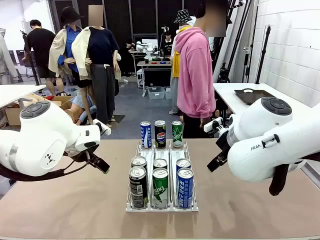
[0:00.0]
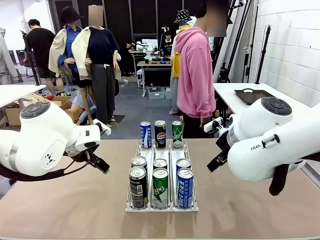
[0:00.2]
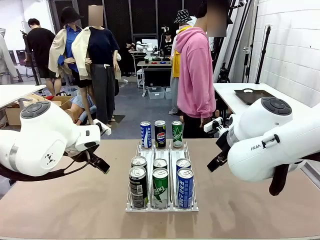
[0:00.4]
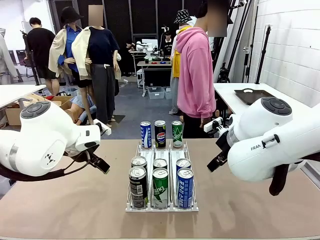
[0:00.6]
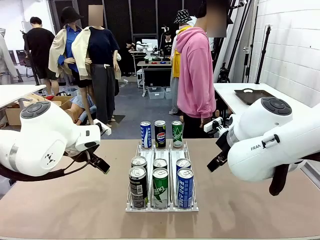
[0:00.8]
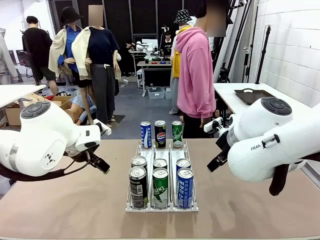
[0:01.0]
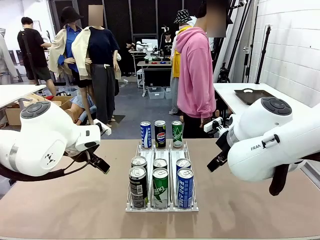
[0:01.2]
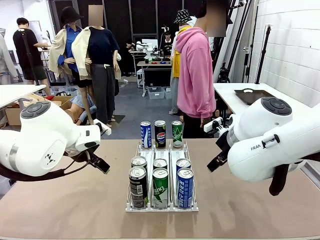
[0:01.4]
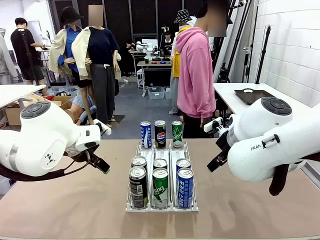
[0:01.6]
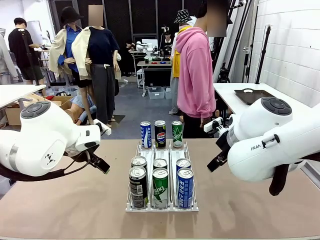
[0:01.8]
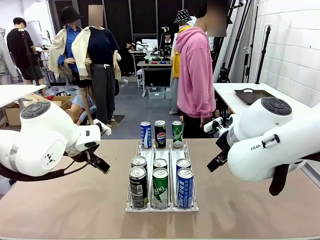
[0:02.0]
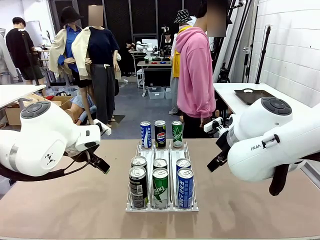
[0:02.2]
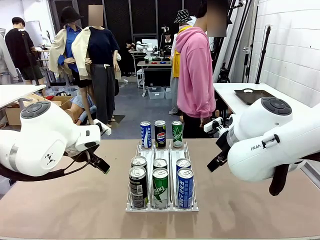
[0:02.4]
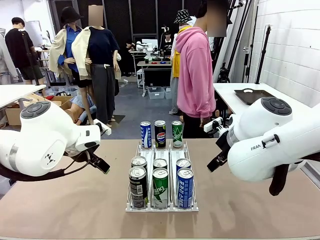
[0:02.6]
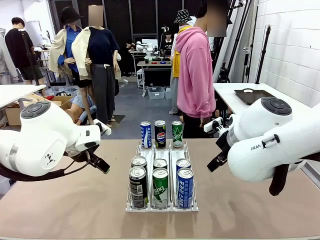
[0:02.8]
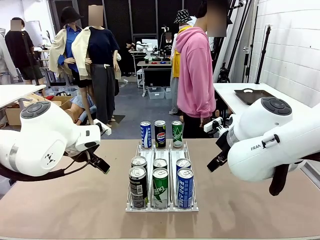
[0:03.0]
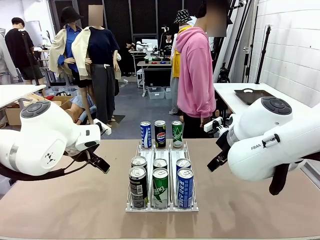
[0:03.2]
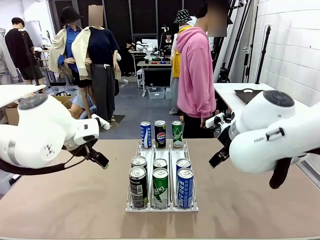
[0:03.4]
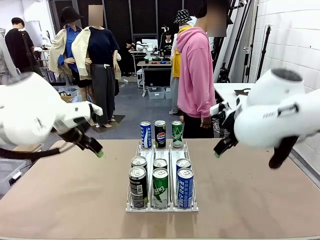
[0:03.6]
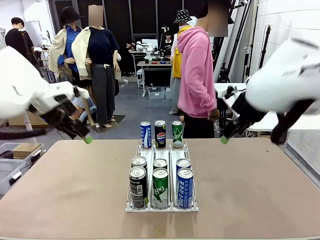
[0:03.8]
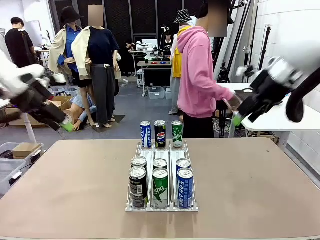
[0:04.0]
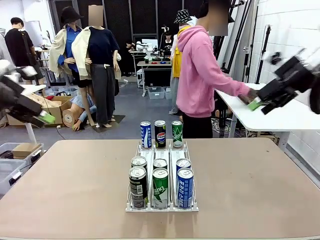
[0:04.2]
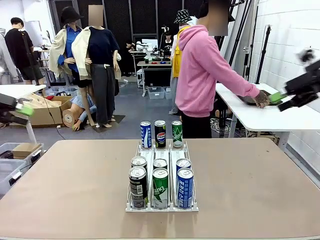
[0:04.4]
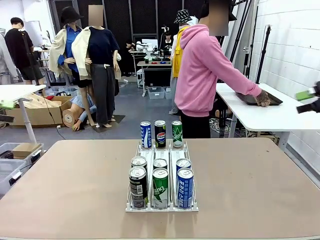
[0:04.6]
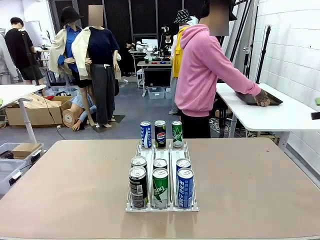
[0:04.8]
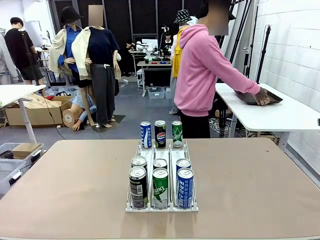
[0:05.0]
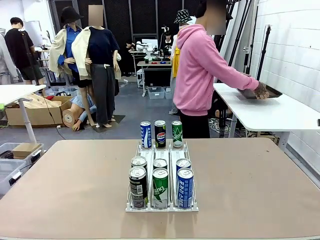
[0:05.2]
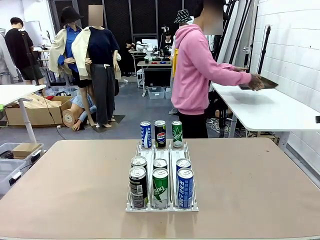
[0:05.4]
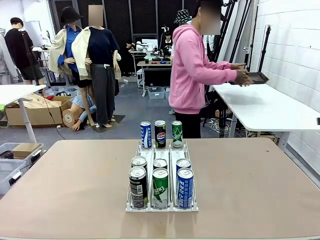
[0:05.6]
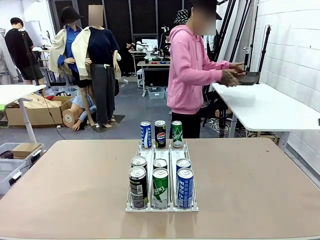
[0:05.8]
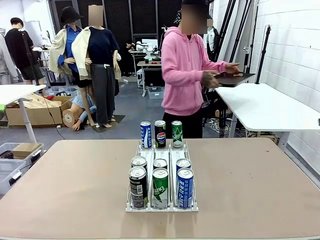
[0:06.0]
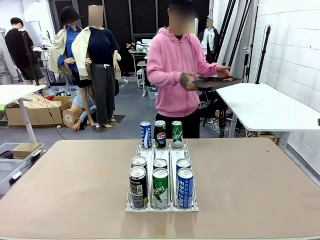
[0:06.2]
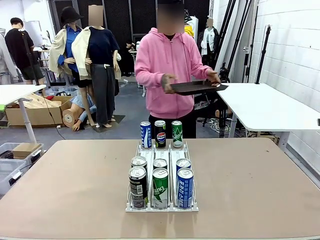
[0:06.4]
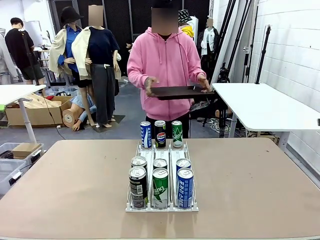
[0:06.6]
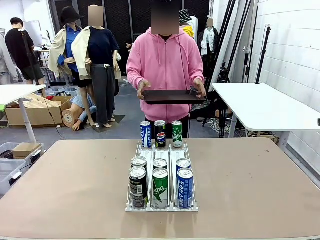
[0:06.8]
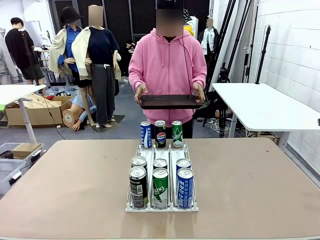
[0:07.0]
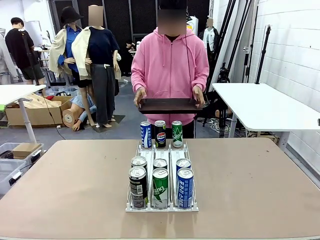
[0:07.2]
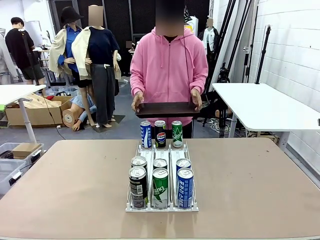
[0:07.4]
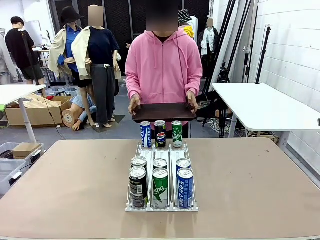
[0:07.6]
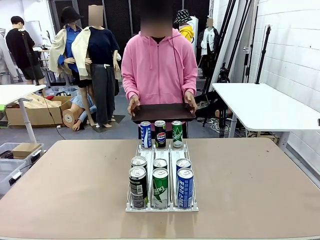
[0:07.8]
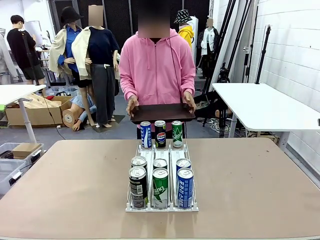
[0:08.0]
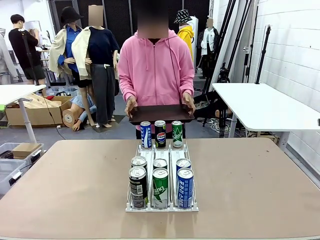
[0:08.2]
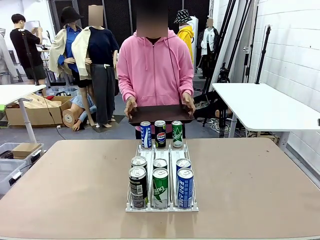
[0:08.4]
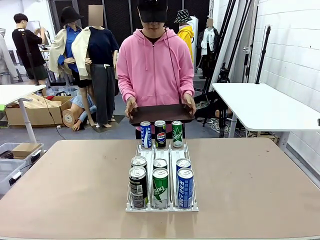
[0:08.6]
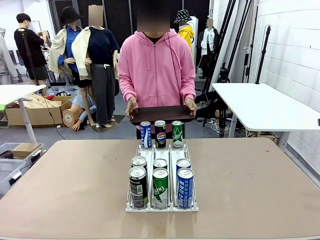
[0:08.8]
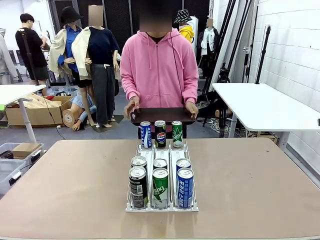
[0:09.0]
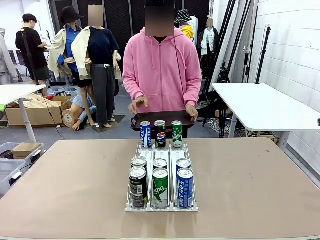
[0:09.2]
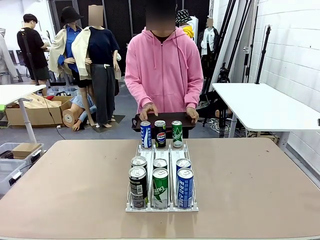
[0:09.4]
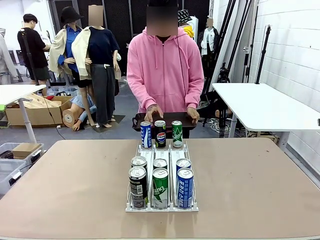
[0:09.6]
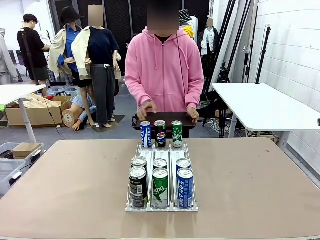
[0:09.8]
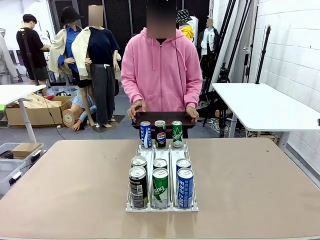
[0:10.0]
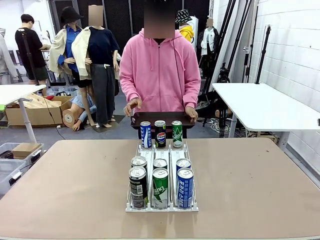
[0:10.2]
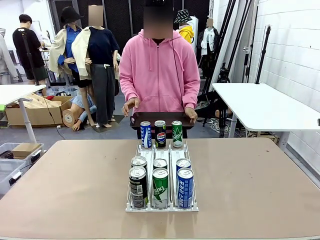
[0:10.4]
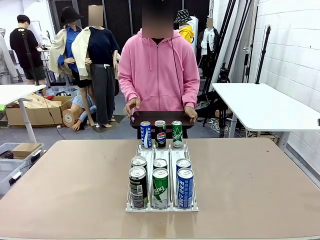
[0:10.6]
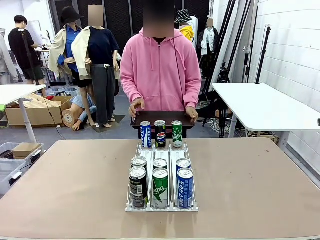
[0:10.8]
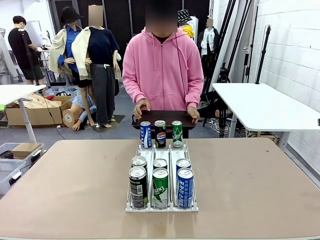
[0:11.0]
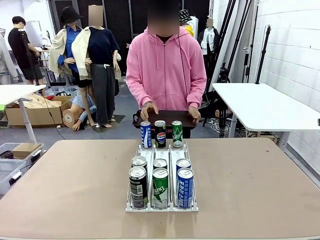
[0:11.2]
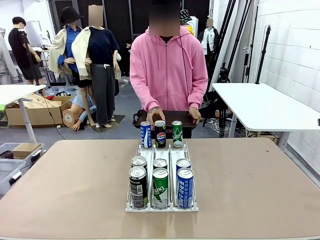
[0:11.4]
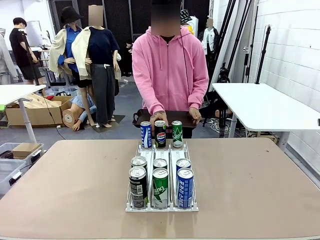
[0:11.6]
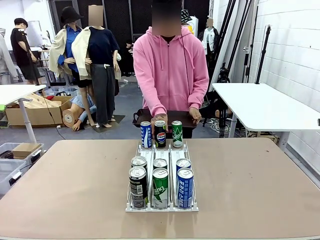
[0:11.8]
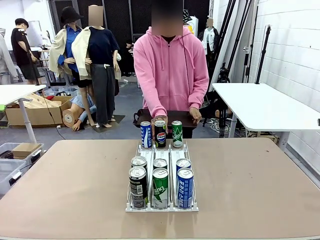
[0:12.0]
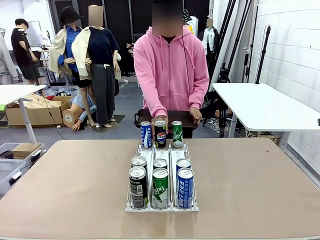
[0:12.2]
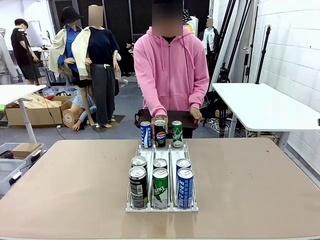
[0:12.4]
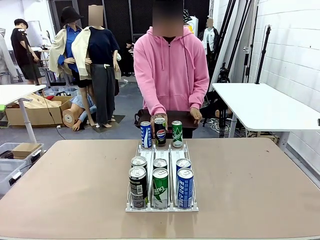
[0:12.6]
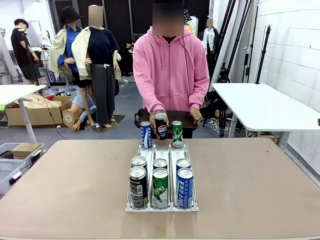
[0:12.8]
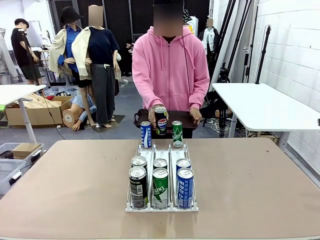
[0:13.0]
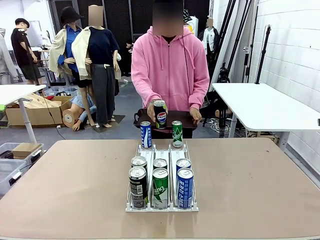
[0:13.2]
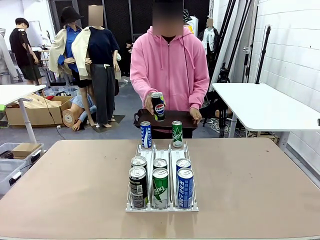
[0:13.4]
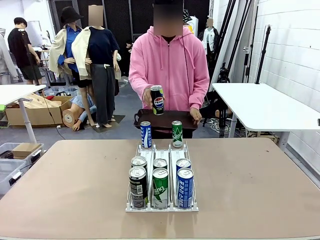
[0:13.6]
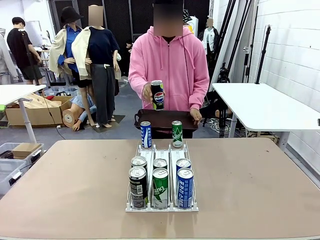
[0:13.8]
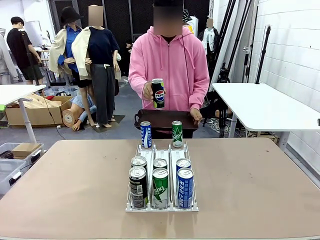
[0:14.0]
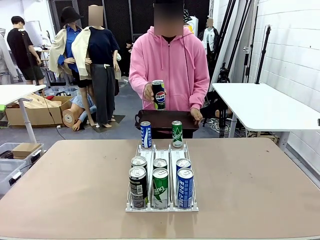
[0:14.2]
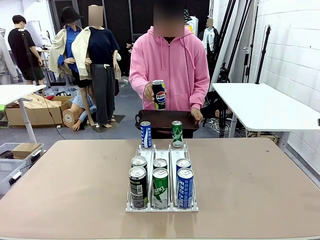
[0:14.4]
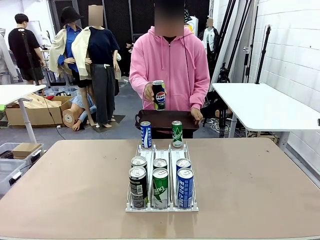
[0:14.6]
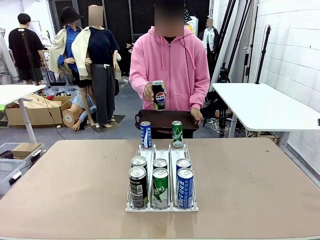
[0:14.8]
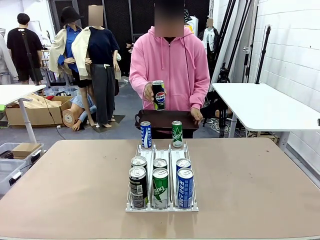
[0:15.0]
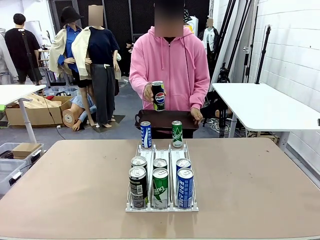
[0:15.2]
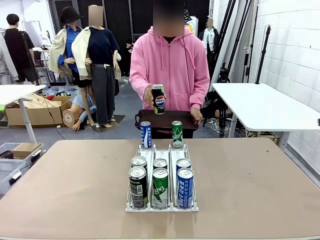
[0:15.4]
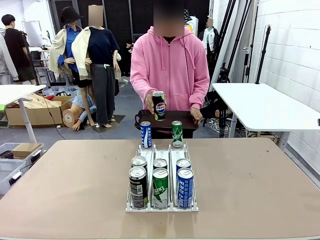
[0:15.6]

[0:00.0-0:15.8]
Task: Retrieve and hand over the desired beverage to the person.
Robot: Pick up a can of the same type that the person held from the Automatic Can Dispenser.
Person: Hold the tray and position yourself in front of the robot table. Pick up one can from the bottom area of the table and puts it back in its original place.
